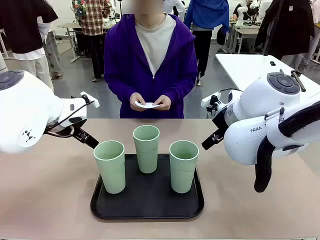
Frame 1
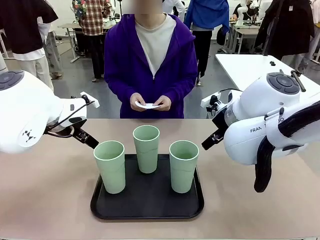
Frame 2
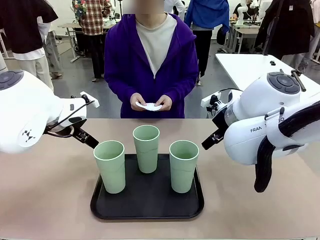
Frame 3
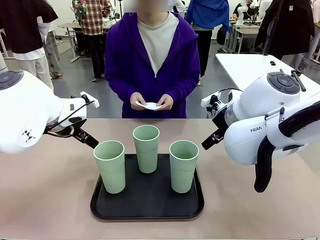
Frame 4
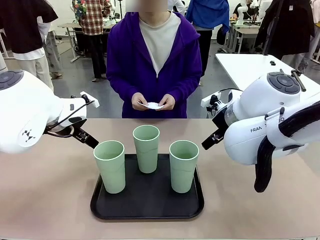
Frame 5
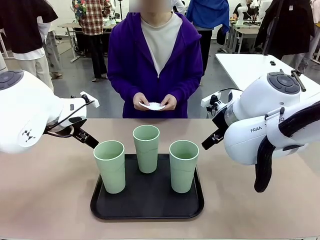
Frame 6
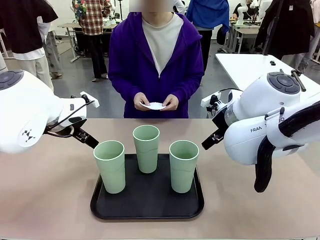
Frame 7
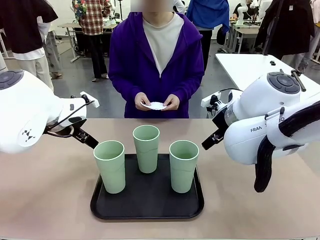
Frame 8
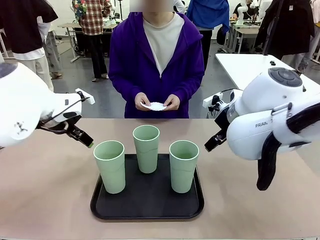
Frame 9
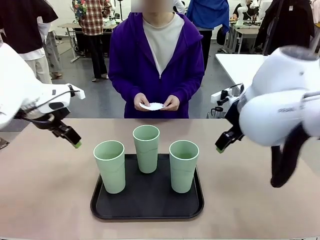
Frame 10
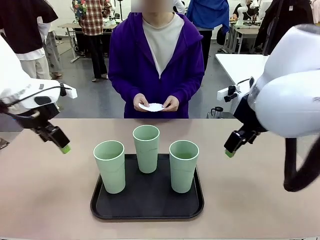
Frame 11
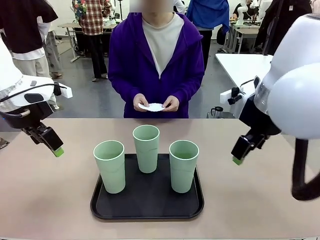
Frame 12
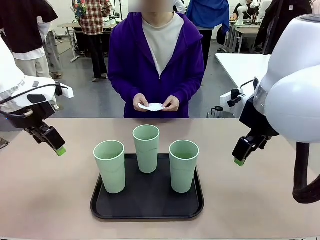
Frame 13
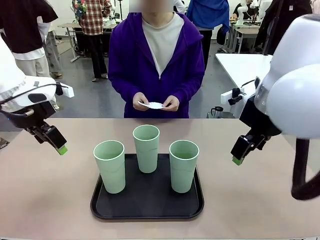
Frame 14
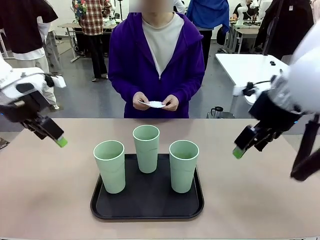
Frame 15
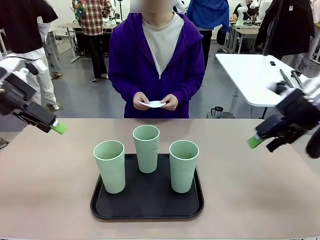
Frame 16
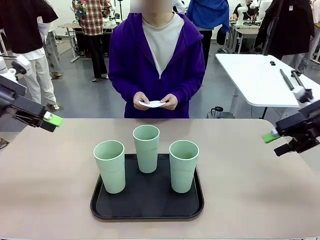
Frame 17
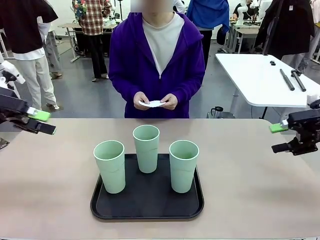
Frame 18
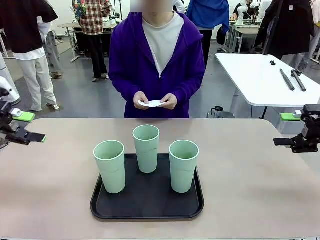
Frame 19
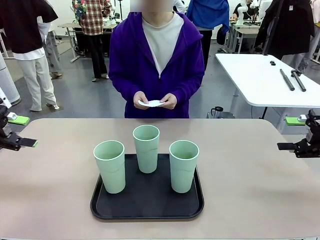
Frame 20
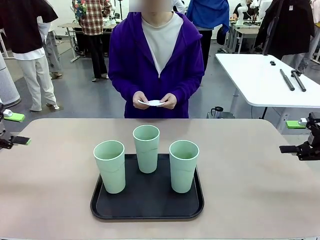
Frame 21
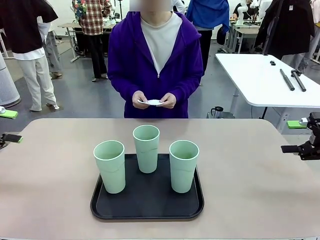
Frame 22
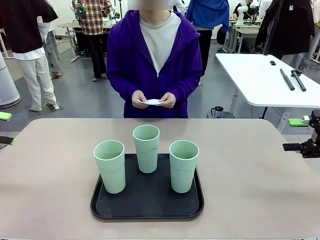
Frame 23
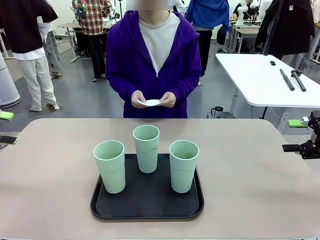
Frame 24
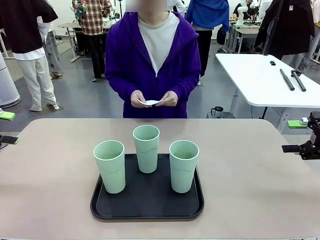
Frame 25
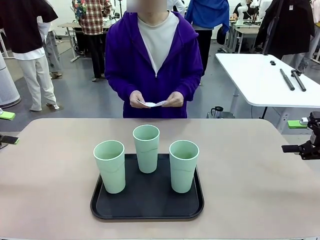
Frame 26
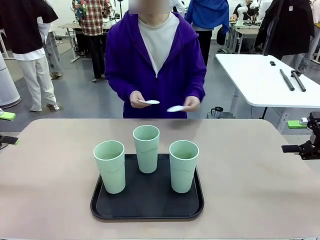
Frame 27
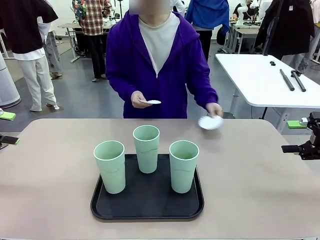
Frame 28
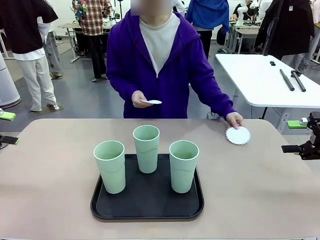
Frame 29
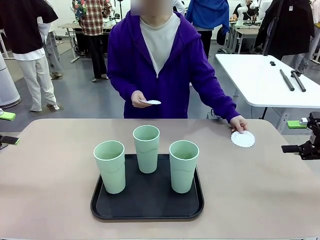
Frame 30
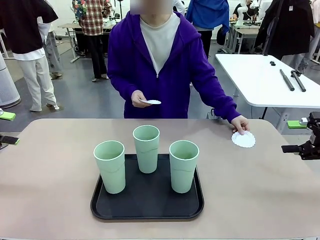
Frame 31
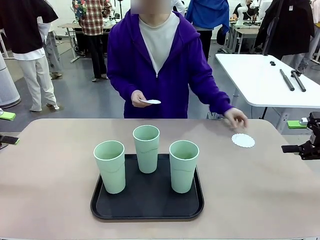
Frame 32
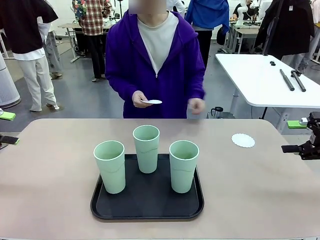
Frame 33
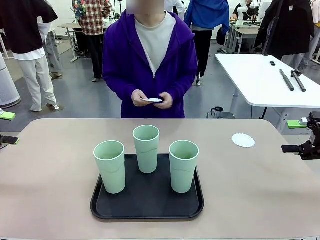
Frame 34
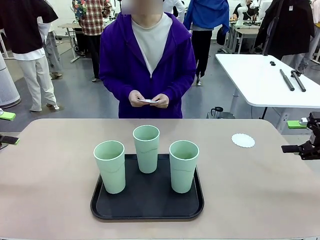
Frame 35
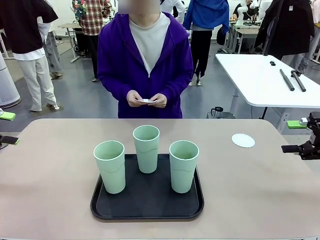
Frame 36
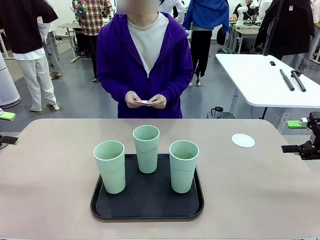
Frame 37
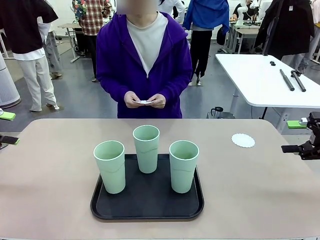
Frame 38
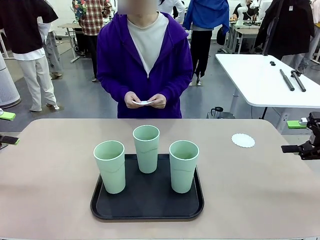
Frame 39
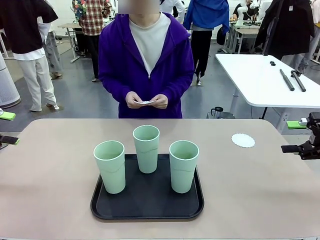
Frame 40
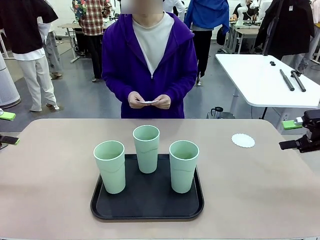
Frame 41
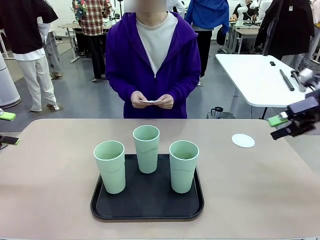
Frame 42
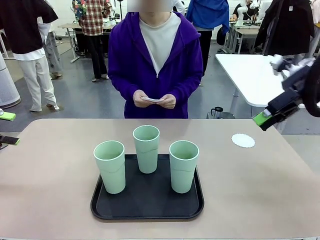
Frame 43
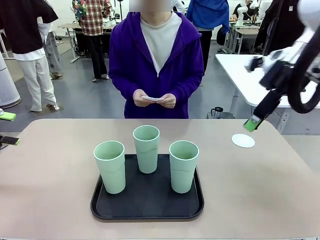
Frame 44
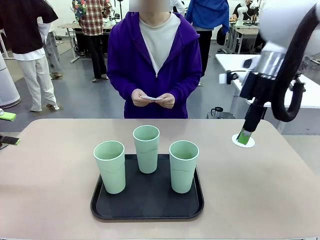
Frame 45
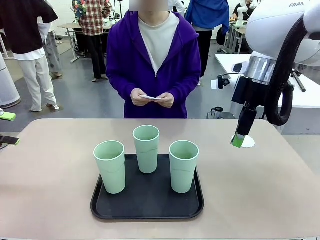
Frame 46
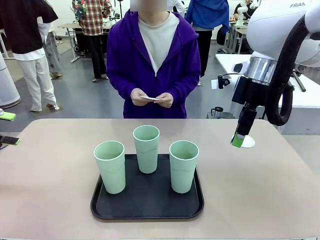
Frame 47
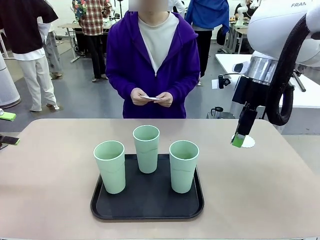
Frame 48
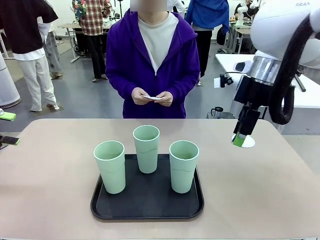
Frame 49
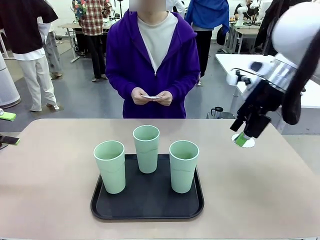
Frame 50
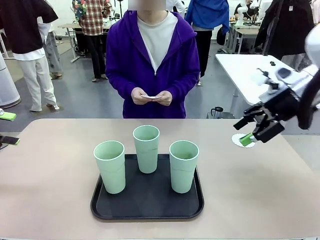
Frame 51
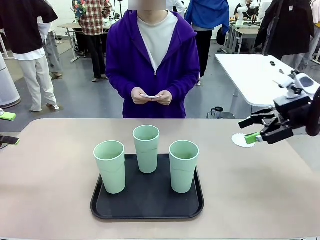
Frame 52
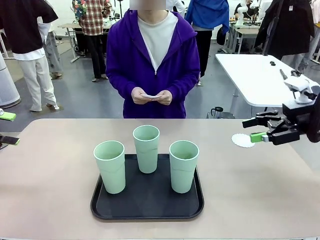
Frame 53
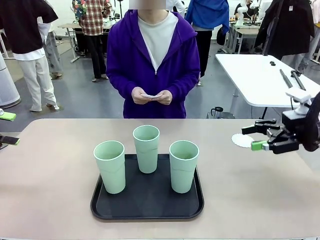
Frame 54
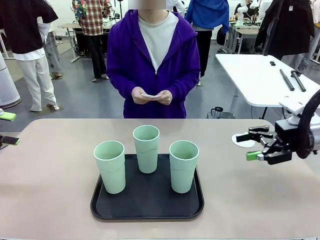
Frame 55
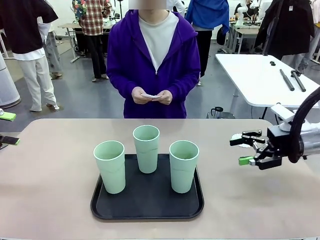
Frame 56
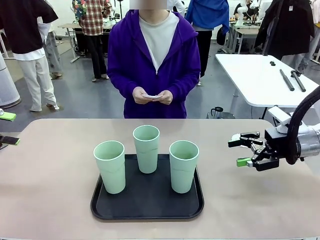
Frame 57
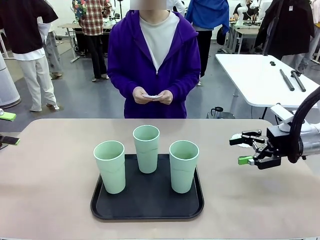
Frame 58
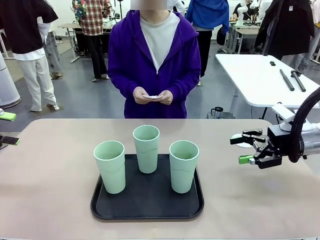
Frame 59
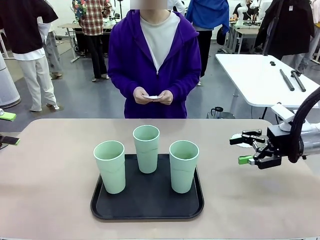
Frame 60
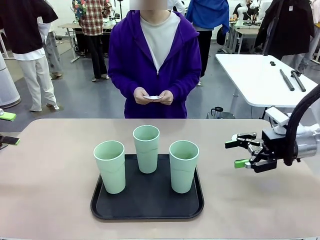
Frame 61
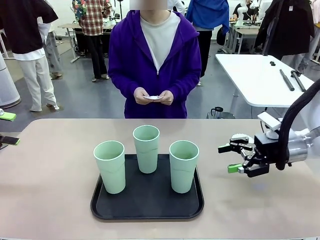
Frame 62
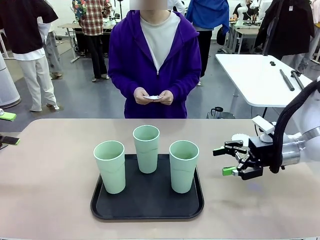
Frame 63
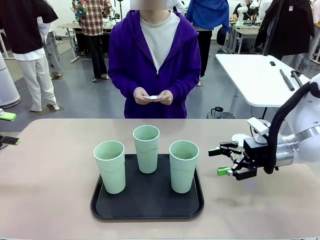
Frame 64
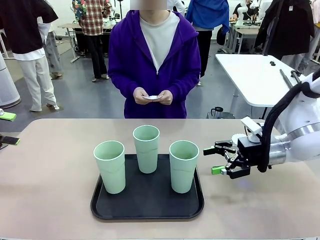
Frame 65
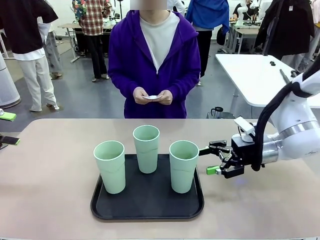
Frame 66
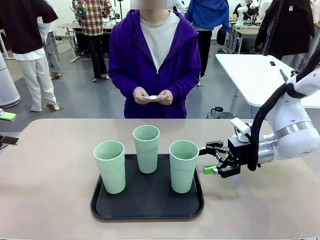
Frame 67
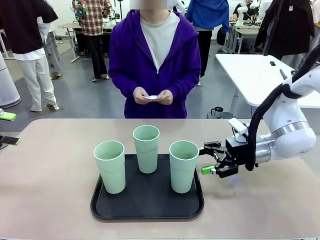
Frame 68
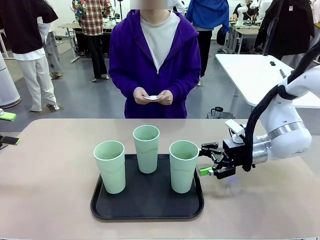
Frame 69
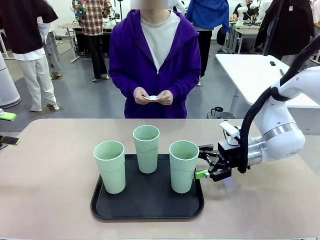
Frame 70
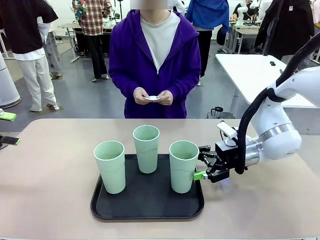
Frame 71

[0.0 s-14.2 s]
Task: Place coasters on the table and set cups on them.
Robot: Pick up one Reusable plastic cup and place it on a coaster set by the human.
Person: Place one coaster in any one of the three lower areas of the robot table (left, center, or right).
